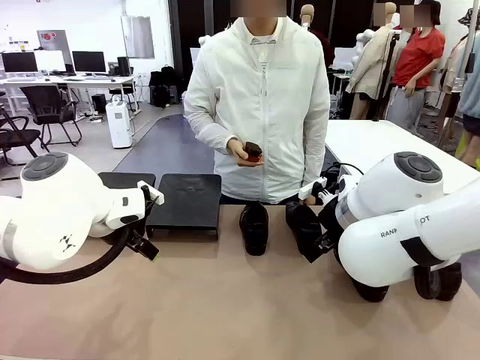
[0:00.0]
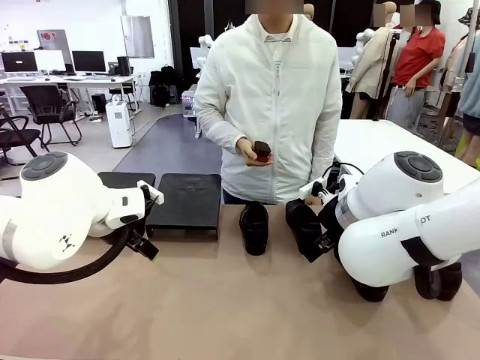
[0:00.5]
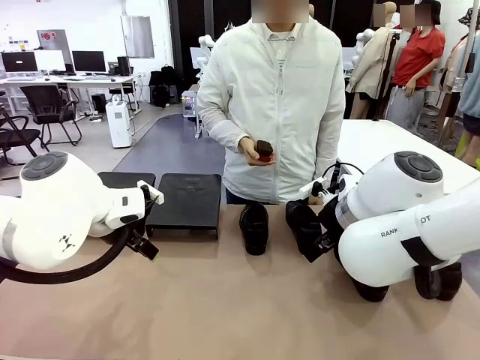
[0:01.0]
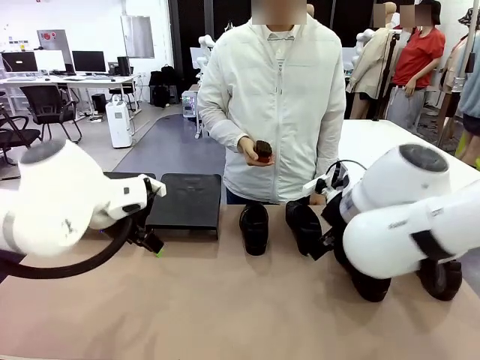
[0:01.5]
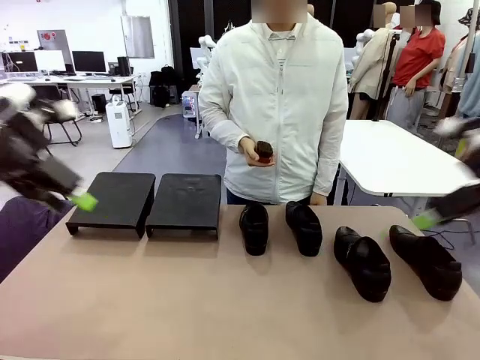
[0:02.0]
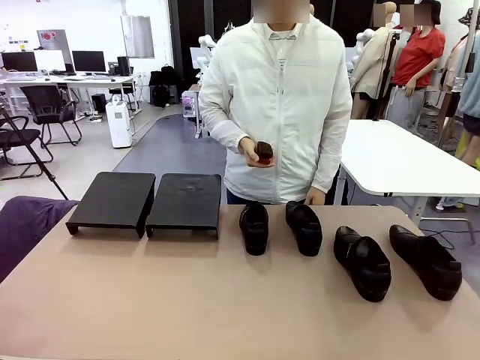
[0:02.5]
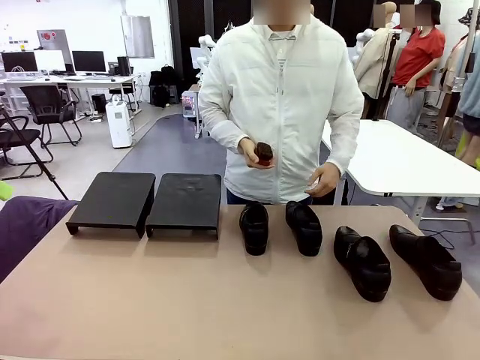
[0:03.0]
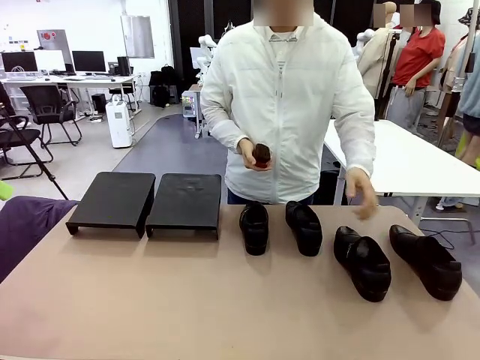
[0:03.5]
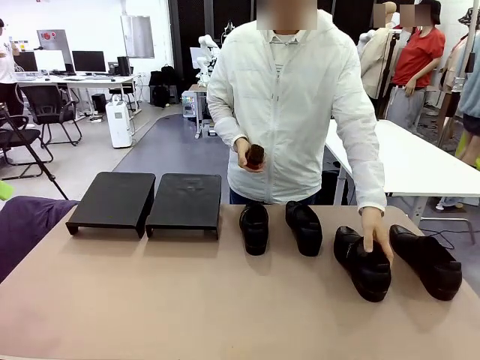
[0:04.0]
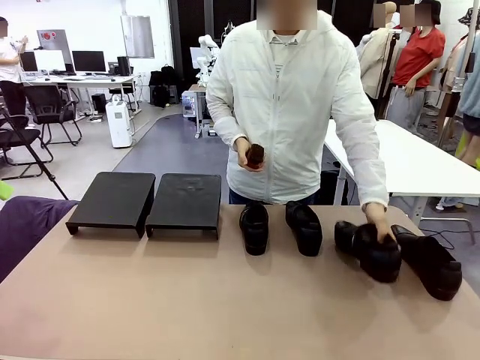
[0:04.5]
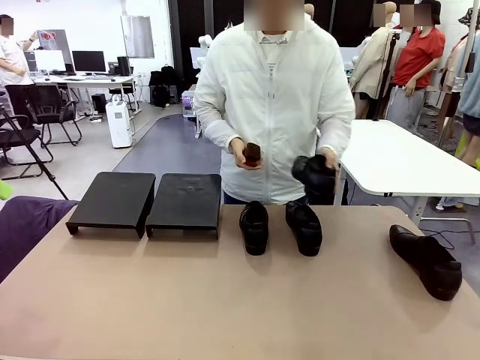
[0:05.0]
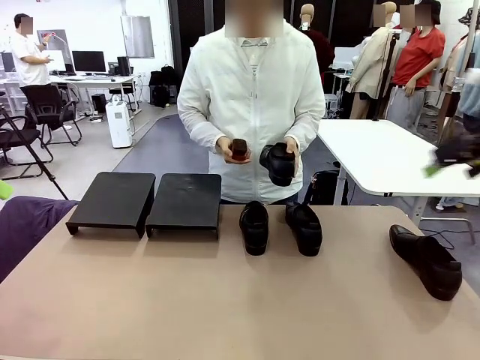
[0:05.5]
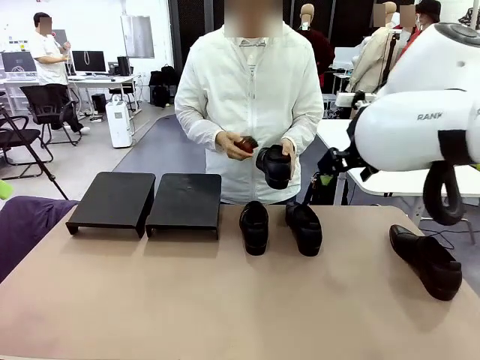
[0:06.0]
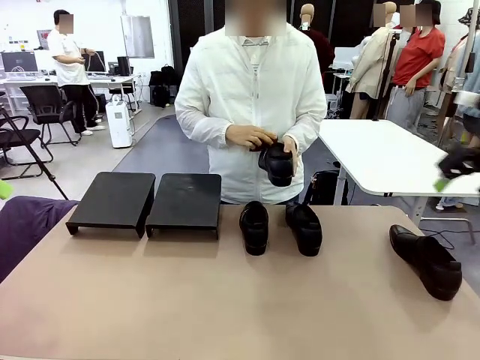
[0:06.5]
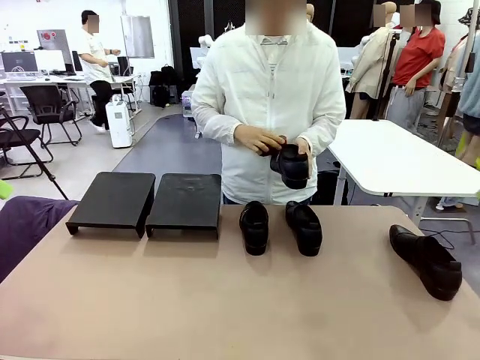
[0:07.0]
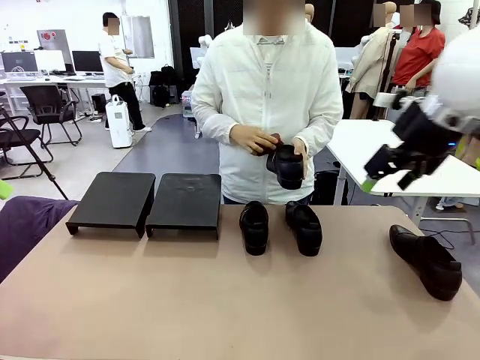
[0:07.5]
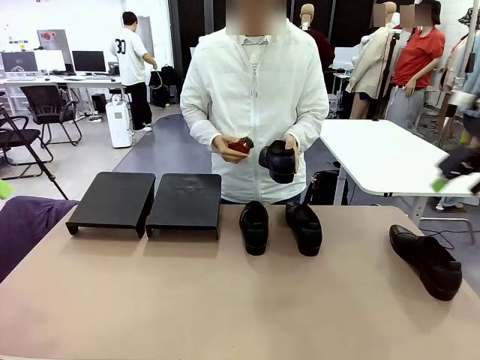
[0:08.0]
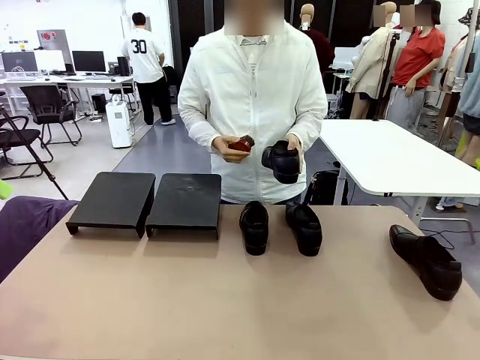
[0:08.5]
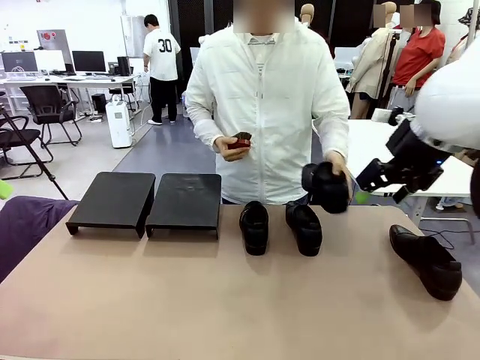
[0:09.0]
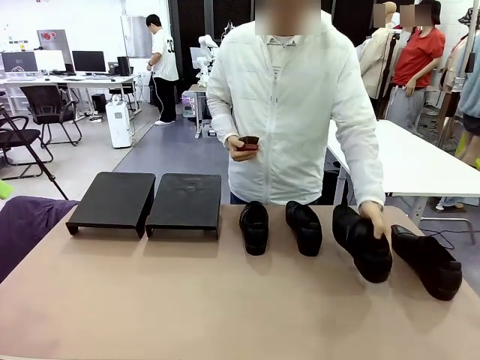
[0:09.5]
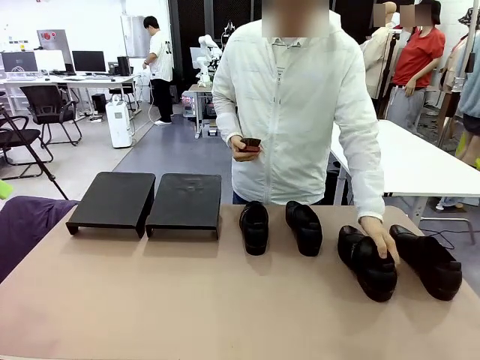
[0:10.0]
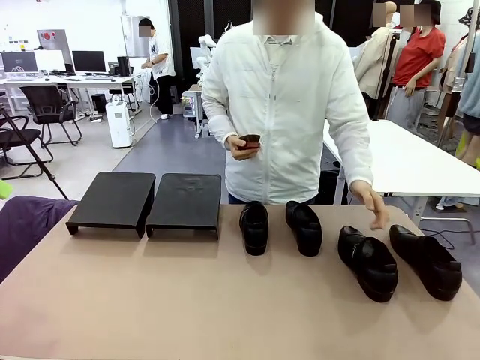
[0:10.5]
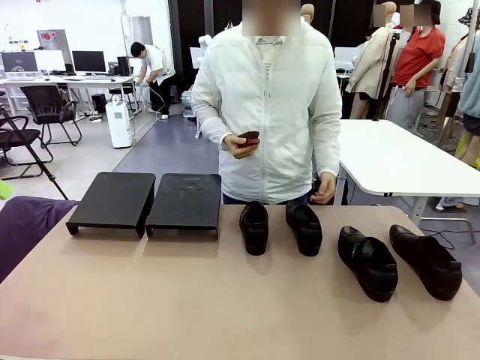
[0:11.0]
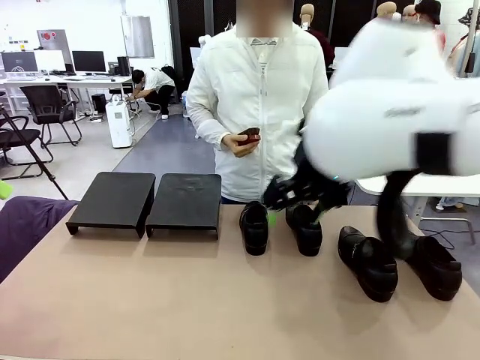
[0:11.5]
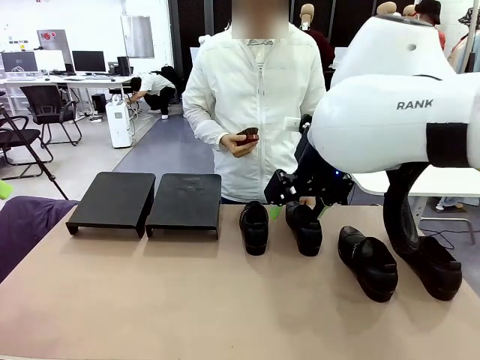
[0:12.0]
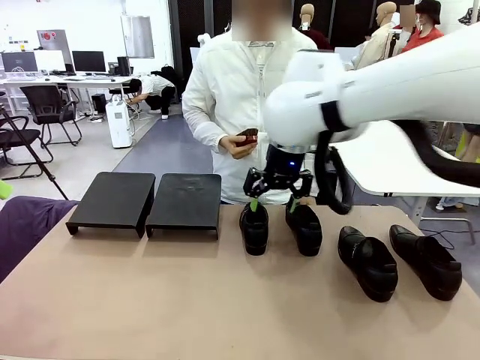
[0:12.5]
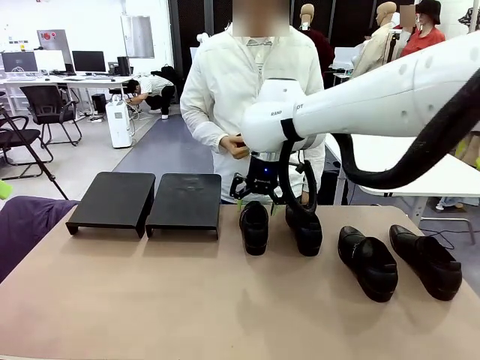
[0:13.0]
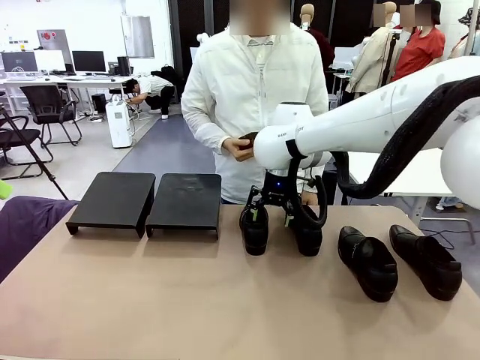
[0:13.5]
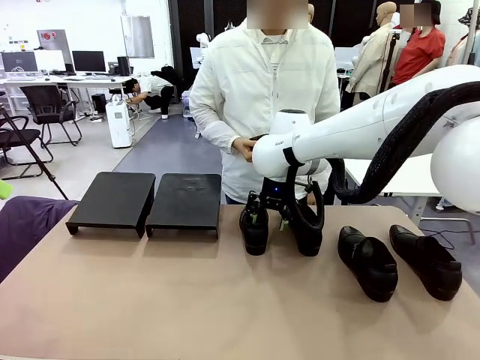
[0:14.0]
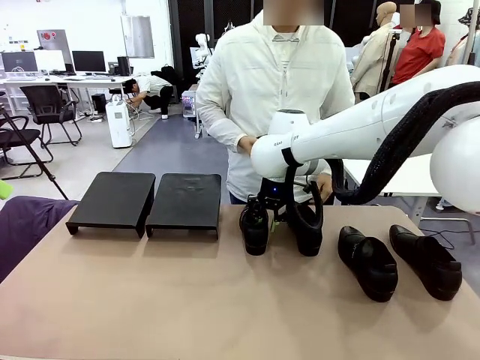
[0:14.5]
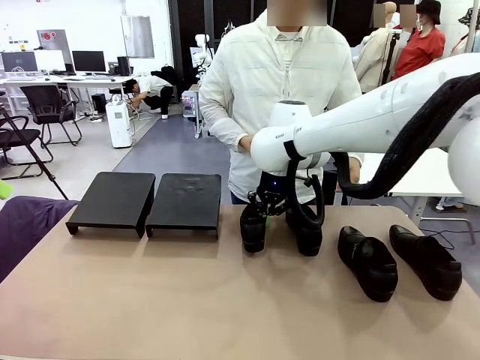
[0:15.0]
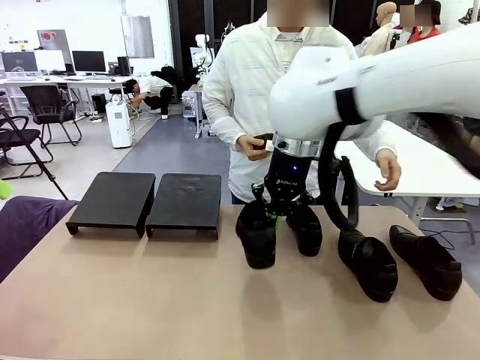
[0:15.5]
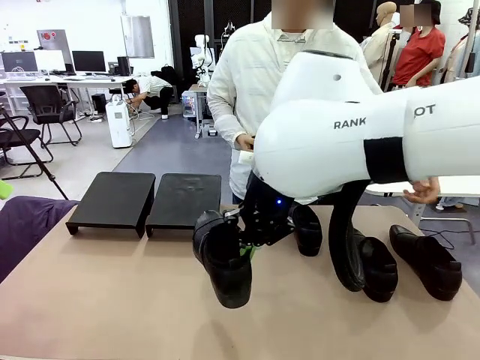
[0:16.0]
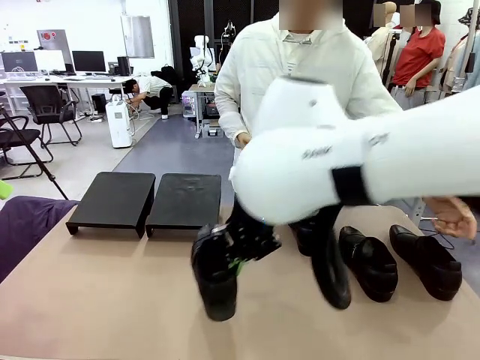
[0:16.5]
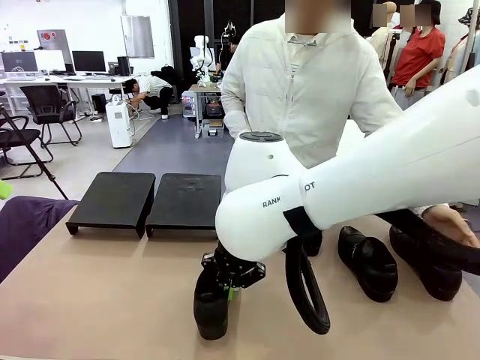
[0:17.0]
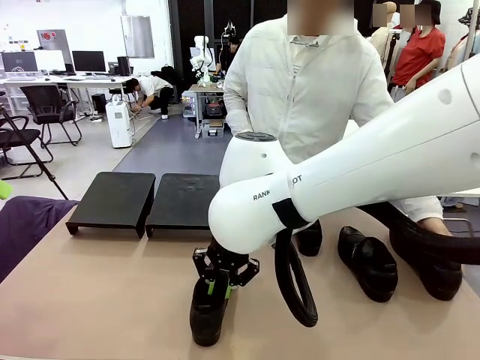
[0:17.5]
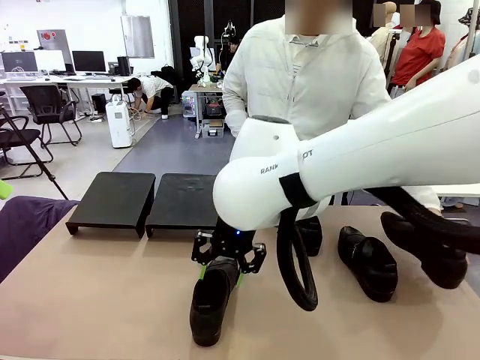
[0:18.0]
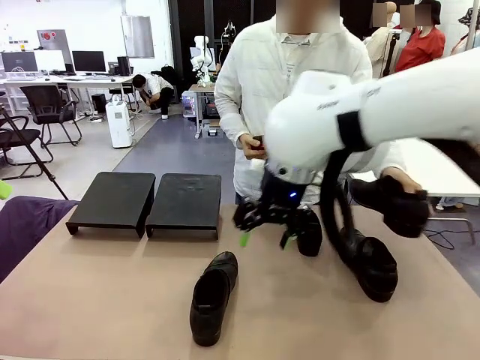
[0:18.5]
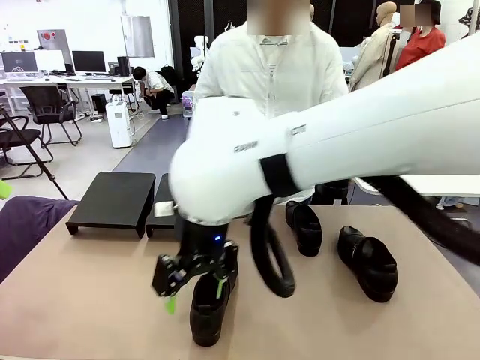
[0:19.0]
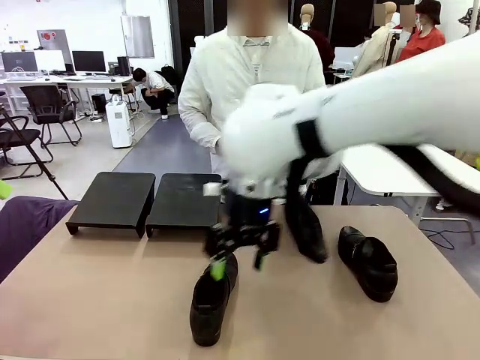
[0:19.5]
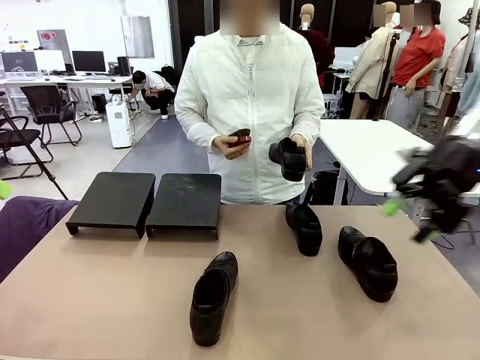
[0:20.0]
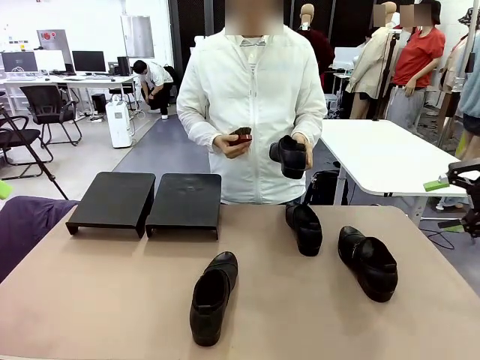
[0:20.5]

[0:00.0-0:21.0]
Task: Organize the shoes by placing them on the stand.
Robot: Pick up one Shoe and place it in the middle of the table.
Person: Pick one Shoe on Robot's table. Clean the Shoe with the Shoe Brush. Place the Shoe on left side of the Robot's table. Pick one Shoe on Robot's table.
